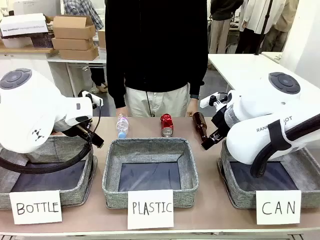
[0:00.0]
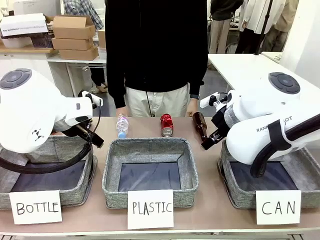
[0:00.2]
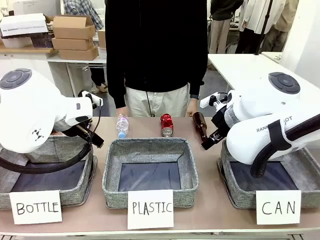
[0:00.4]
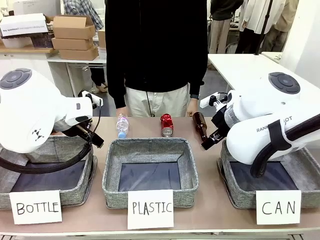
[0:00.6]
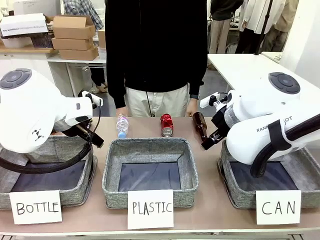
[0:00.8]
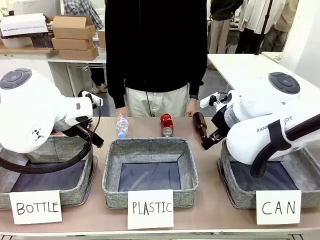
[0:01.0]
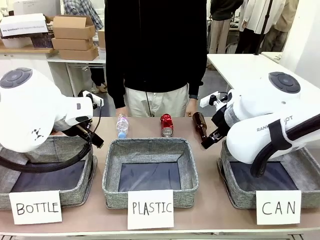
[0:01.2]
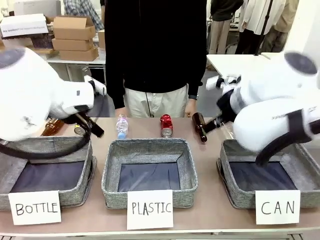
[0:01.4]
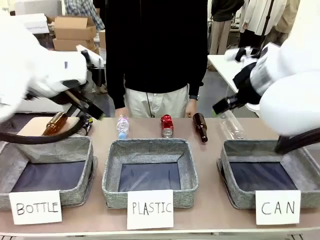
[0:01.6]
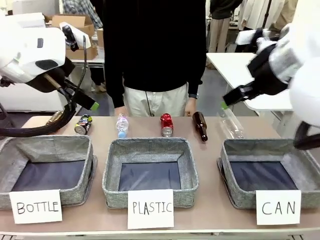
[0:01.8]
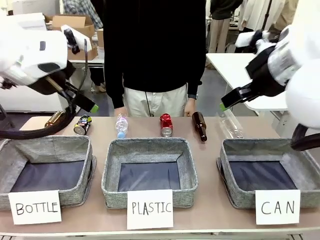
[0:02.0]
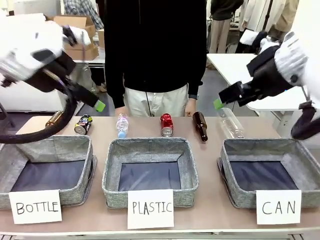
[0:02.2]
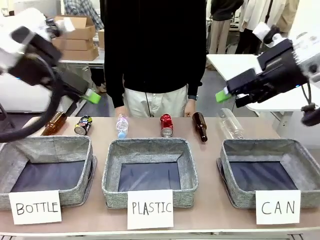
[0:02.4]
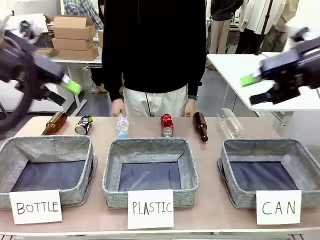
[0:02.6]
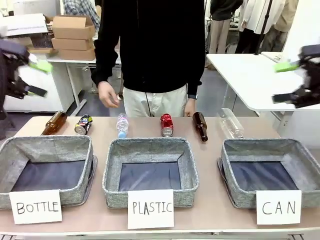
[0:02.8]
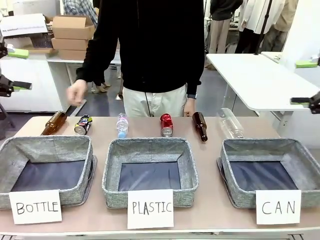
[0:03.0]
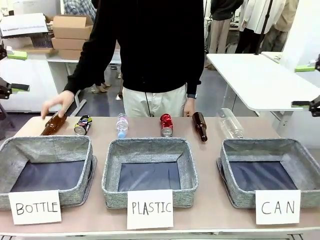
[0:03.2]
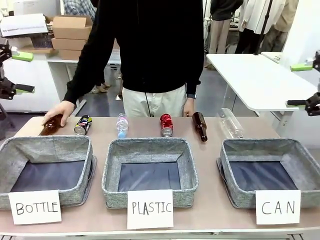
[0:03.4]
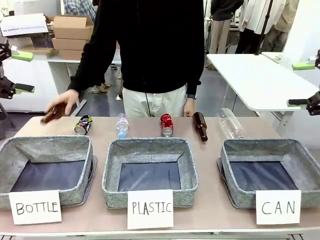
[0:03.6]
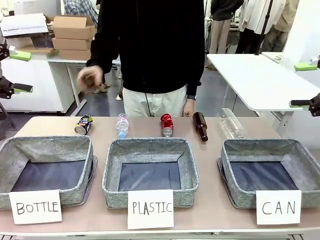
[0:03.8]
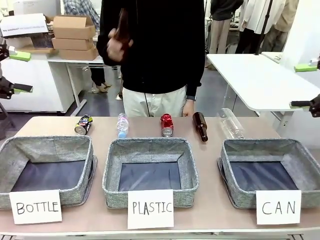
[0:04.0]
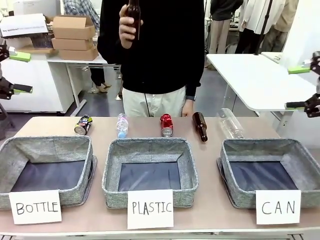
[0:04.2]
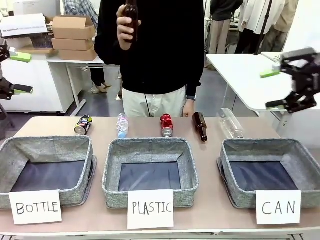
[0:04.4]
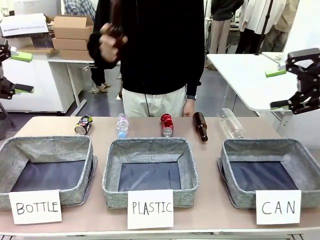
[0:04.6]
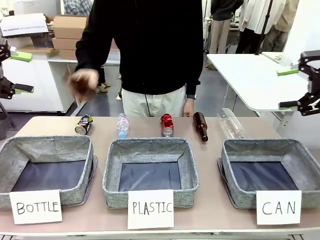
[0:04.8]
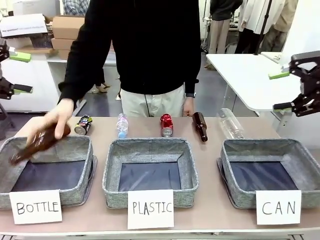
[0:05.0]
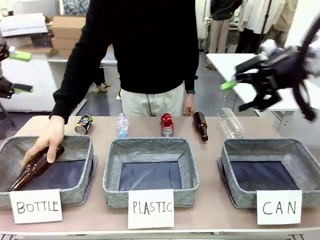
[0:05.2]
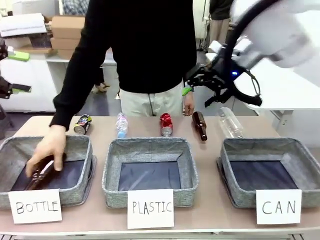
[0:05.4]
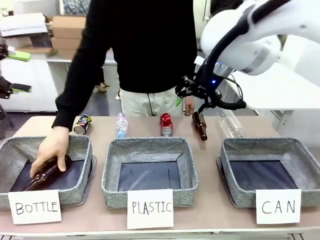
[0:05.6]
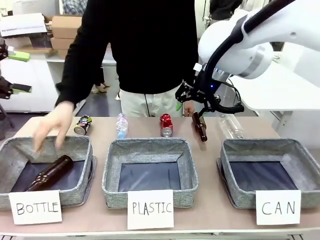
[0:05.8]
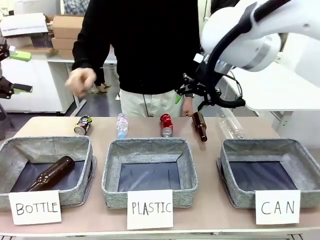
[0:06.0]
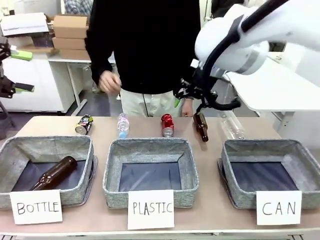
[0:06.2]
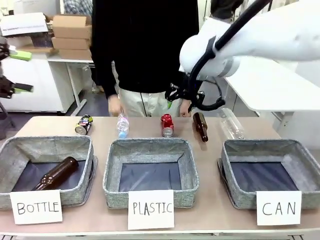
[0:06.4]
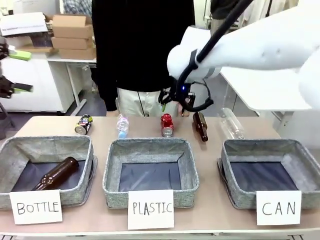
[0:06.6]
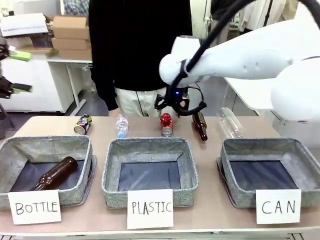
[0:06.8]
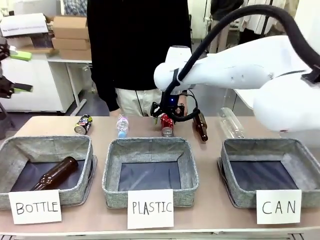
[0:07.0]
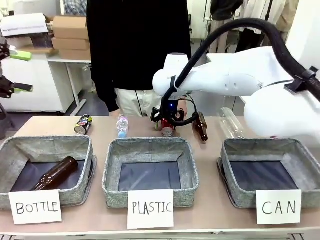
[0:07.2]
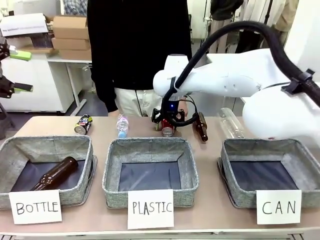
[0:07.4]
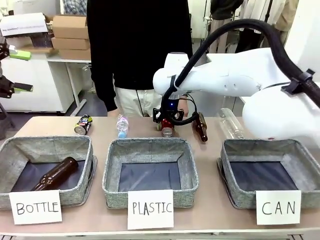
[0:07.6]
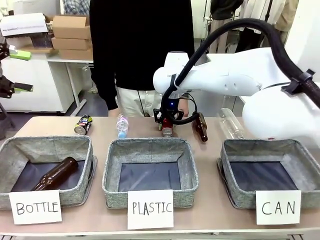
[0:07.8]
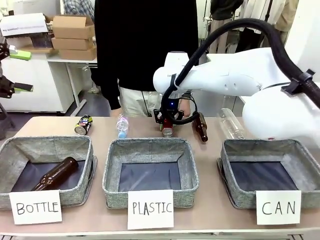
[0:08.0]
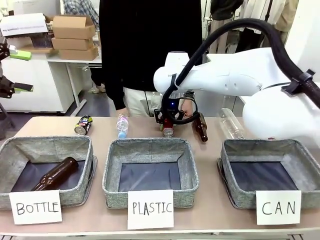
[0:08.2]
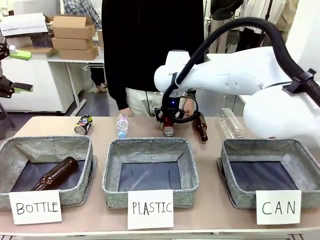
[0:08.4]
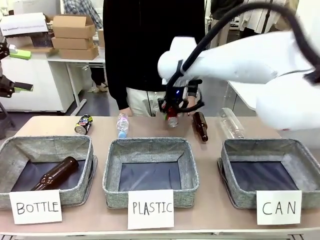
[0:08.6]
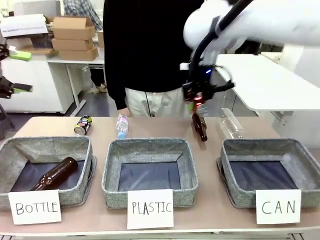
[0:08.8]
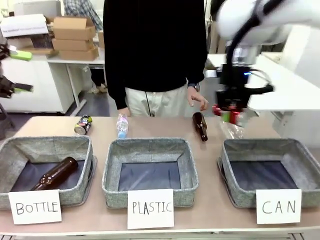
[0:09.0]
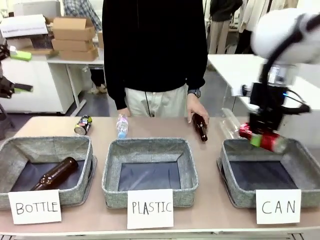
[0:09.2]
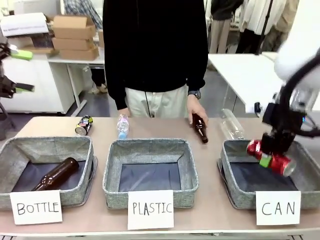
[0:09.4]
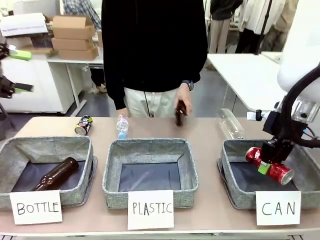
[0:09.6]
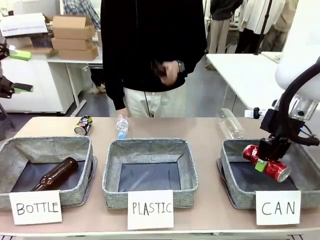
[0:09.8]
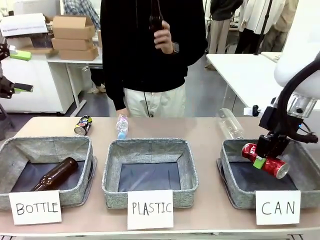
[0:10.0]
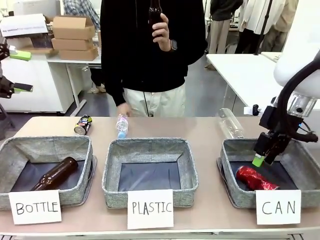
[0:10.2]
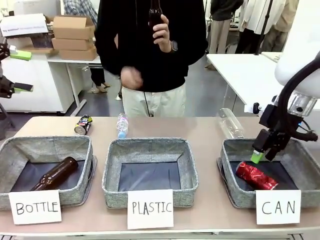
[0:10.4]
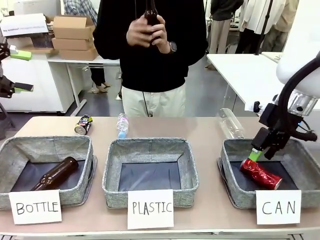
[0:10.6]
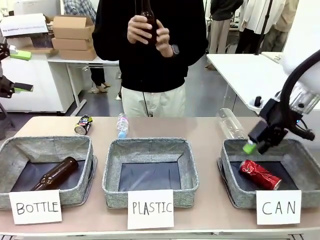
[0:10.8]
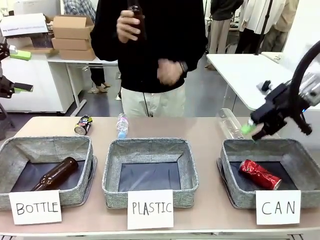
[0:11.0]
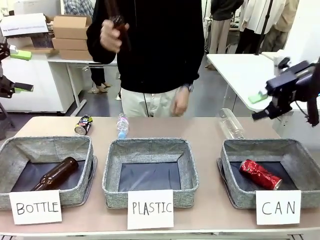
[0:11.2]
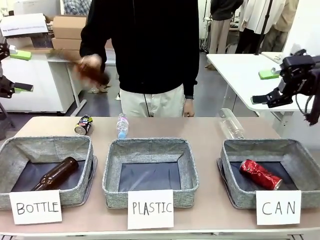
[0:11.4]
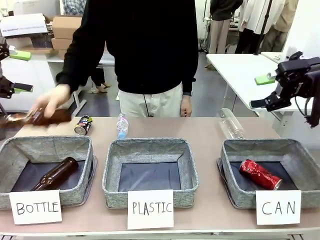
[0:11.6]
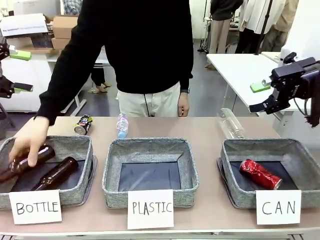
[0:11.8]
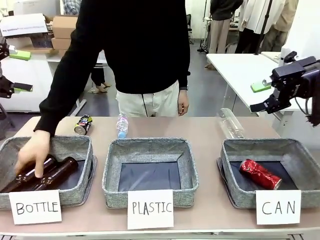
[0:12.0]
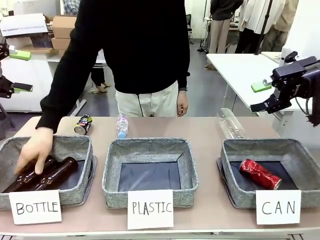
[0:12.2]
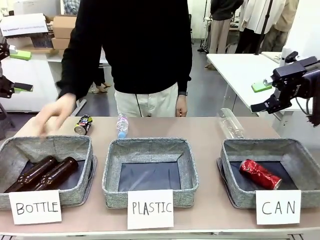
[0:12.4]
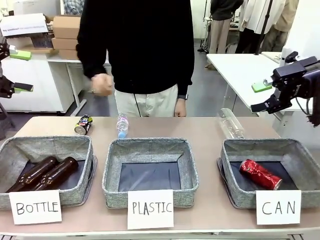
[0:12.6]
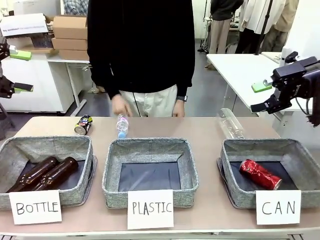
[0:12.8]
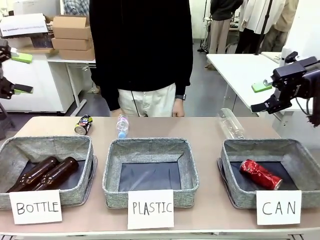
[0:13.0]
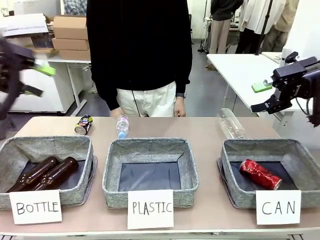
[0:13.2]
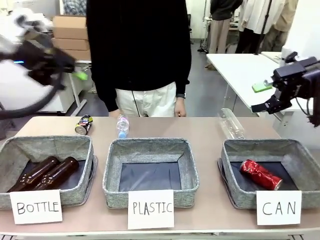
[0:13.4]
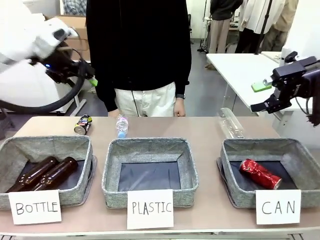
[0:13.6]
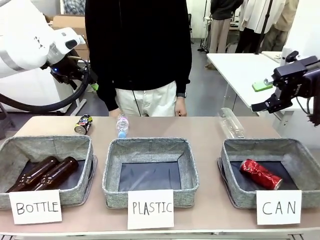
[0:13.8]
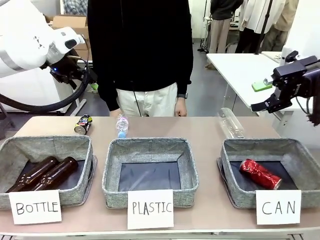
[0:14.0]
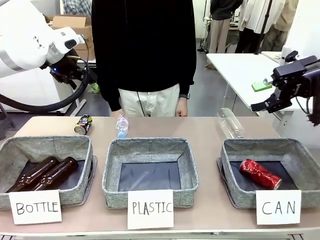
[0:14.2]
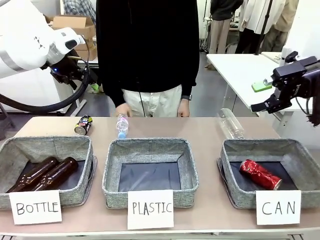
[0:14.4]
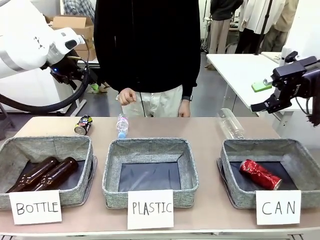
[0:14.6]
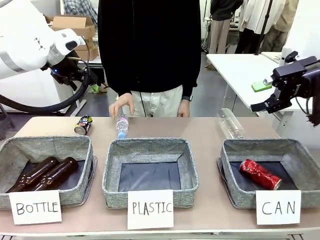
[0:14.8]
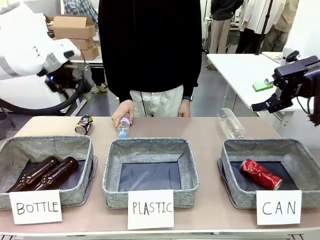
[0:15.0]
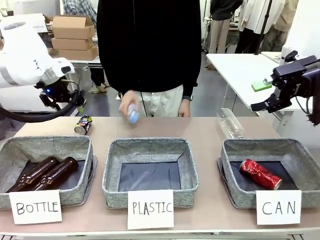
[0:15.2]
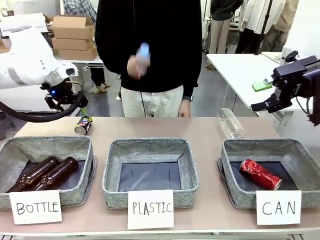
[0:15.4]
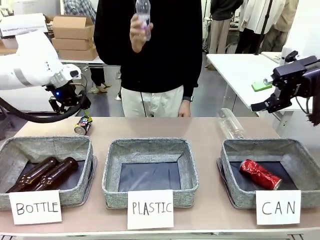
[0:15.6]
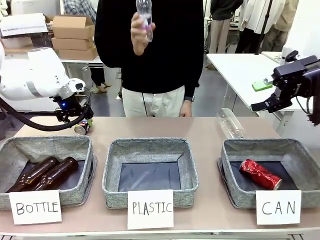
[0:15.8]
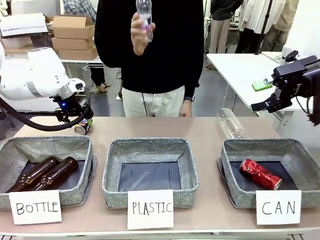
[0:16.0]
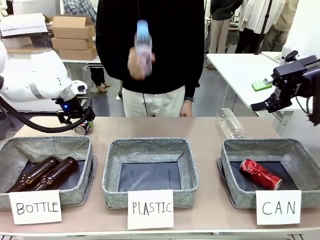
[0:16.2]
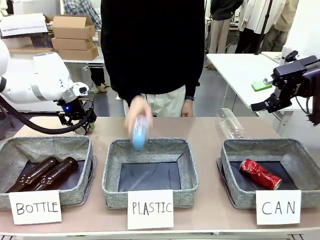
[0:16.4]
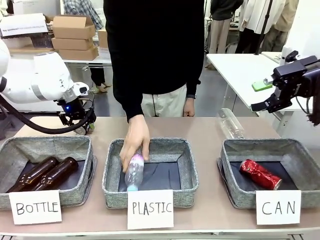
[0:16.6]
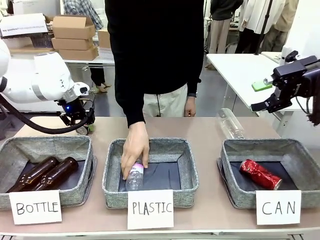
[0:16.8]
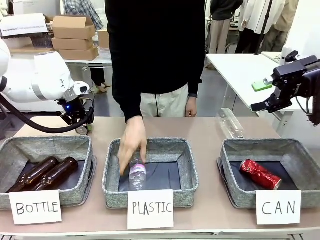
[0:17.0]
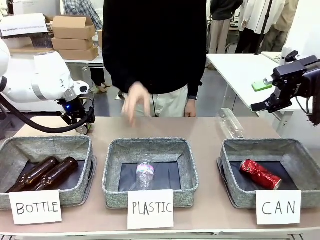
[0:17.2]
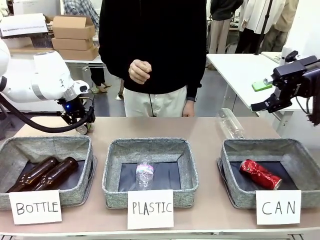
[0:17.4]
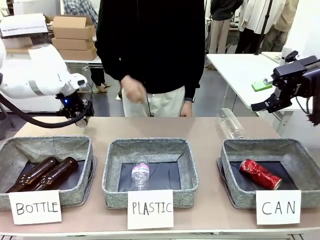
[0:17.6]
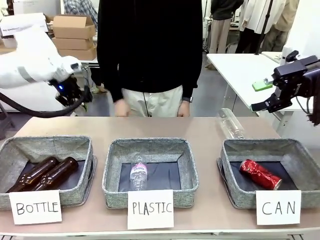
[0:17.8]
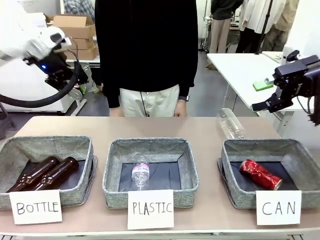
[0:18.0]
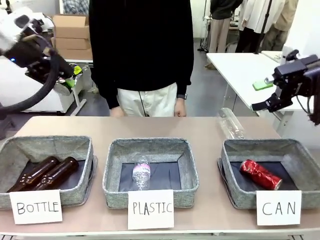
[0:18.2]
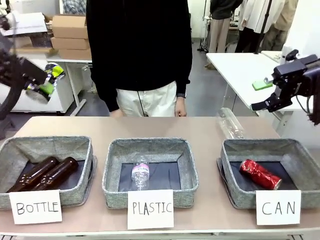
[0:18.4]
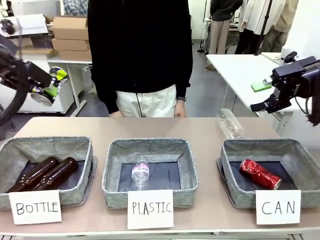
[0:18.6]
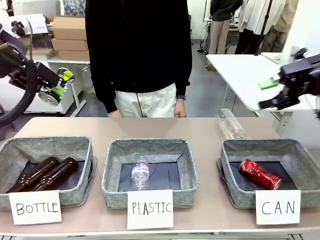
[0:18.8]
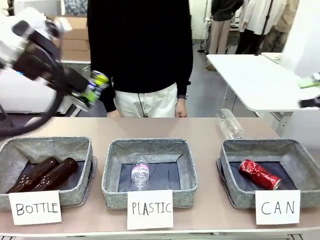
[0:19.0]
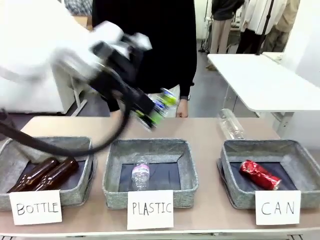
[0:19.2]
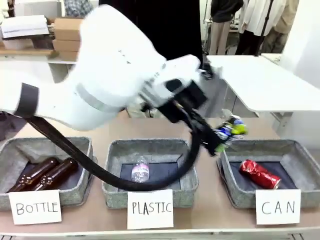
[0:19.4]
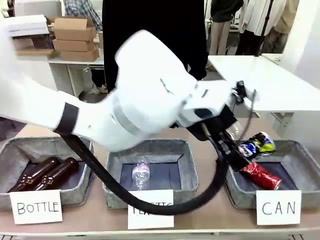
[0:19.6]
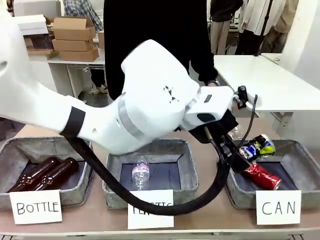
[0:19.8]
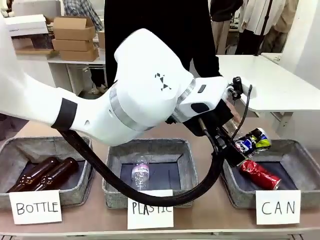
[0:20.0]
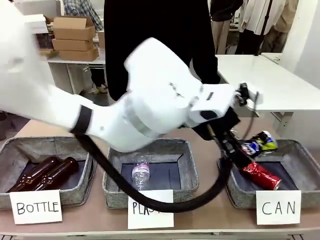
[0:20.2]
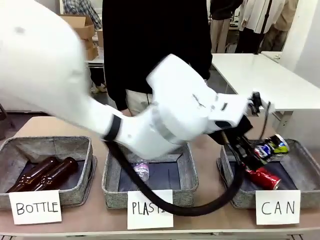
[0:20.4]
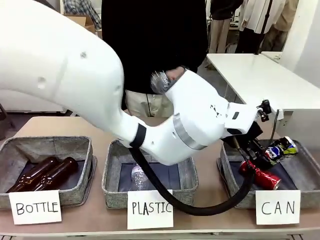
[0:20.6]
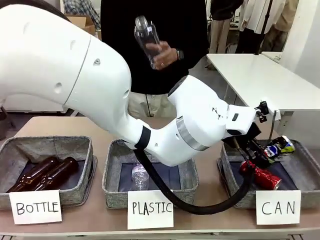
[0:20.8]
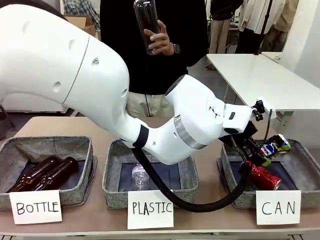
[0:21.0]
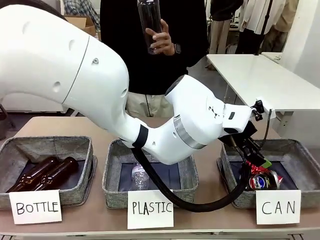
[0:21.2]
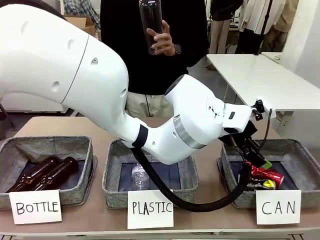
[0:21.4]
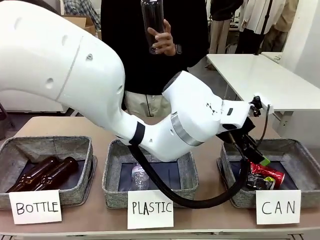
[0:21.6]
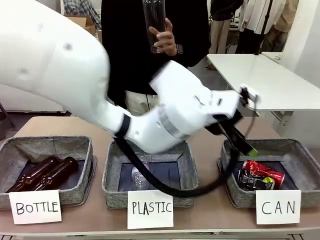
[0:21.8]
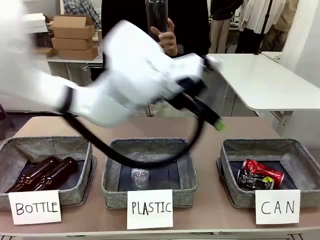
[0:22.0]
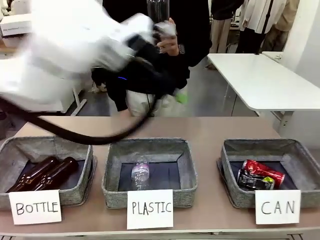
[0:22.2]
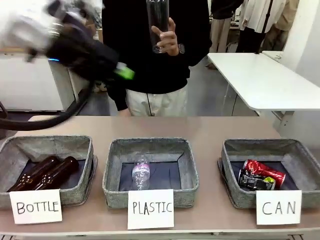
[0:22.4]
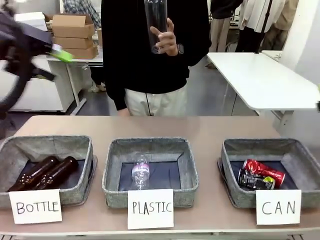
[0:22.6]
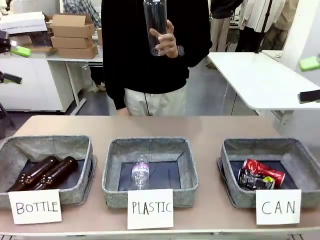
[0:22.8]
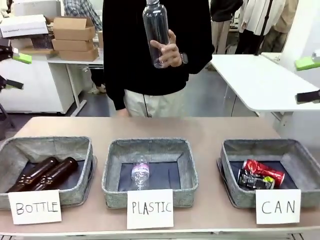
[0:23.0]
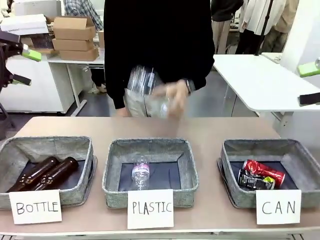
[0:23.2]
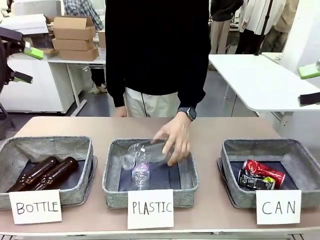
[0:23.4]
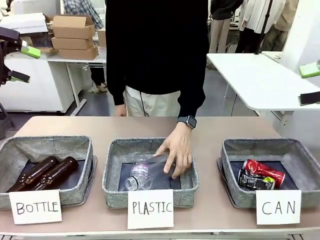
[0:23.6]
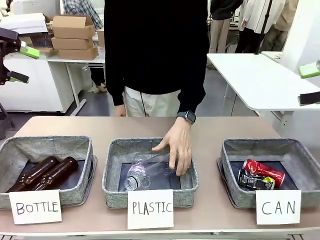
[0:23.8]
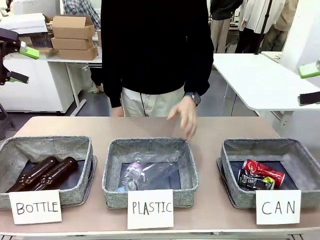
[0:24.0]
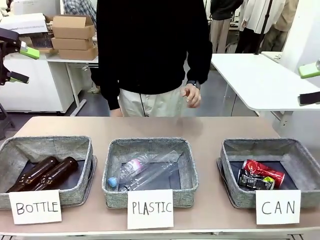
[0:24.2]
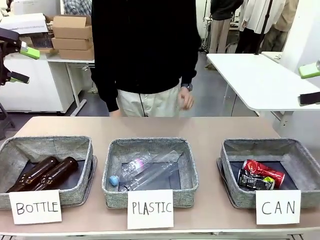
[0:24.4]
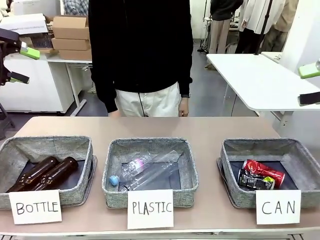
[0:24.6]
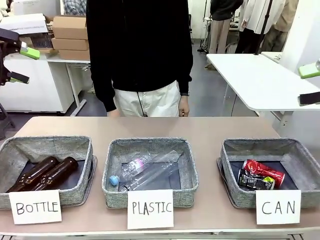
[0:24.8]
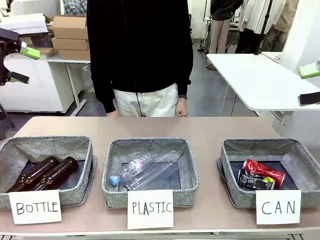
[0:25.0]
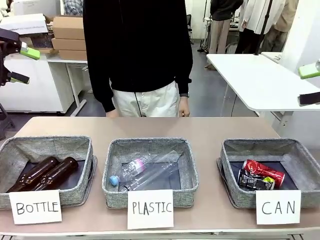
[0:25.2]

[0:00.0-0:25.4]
Task: Sort the can waste into the basket.
Robot: Pick up the can waste from the table and place it in the right Fabric basket.
Person: The human picks up one piece of trash that is not a can and places the trash into the appropriate organizing basket.
